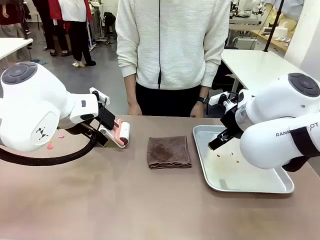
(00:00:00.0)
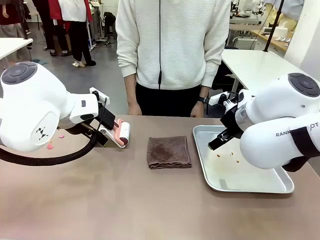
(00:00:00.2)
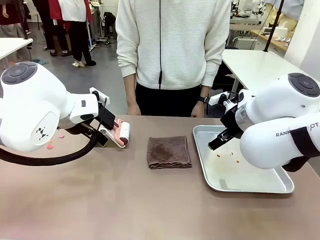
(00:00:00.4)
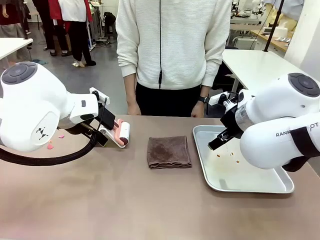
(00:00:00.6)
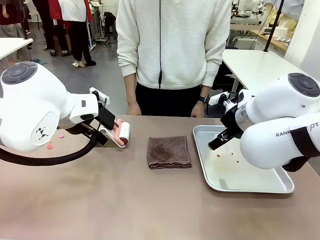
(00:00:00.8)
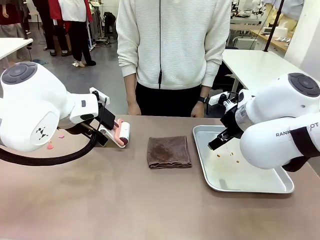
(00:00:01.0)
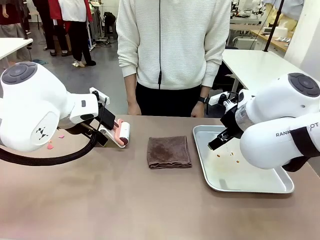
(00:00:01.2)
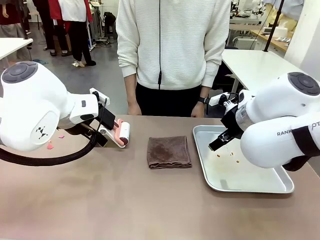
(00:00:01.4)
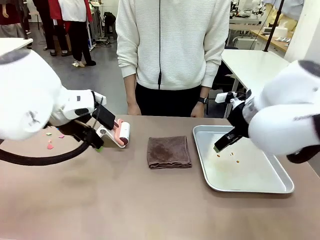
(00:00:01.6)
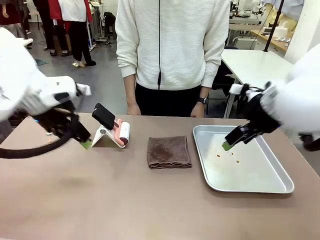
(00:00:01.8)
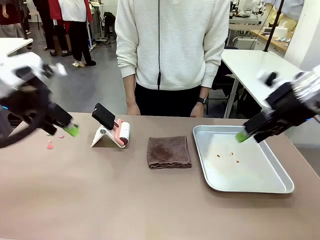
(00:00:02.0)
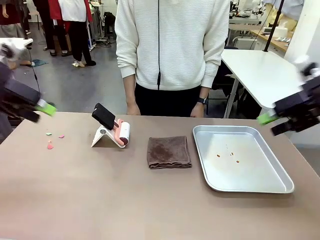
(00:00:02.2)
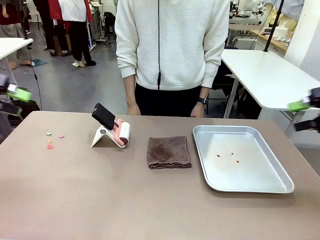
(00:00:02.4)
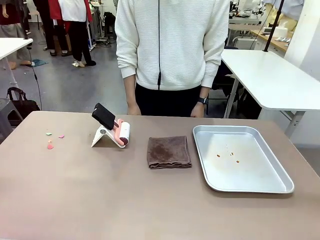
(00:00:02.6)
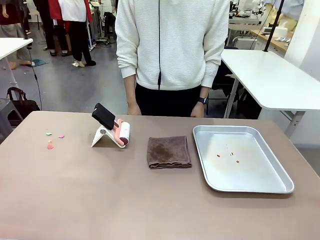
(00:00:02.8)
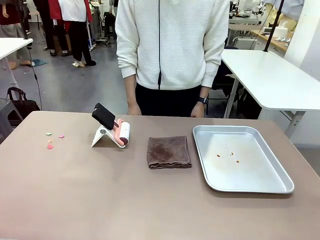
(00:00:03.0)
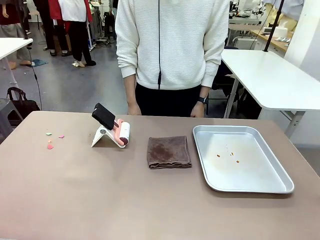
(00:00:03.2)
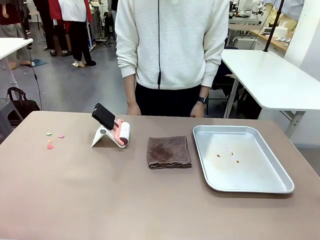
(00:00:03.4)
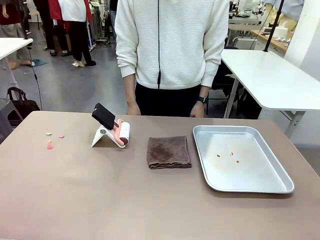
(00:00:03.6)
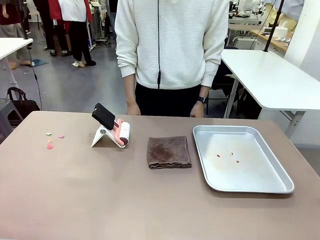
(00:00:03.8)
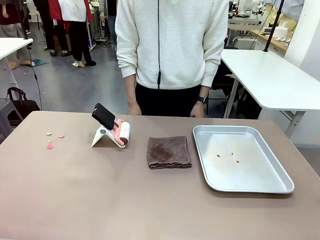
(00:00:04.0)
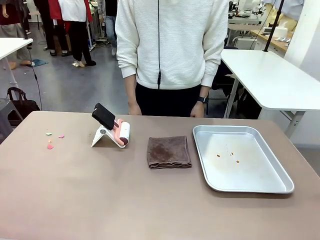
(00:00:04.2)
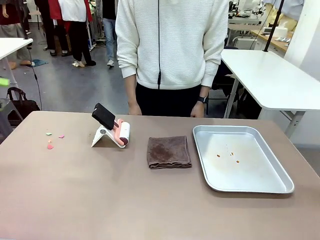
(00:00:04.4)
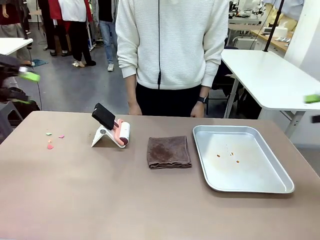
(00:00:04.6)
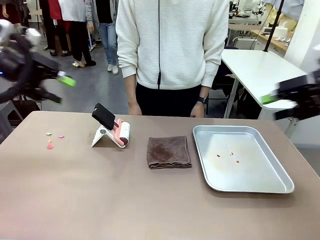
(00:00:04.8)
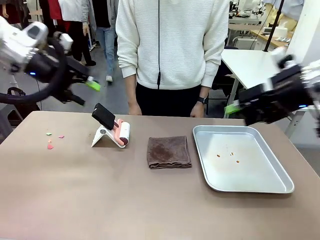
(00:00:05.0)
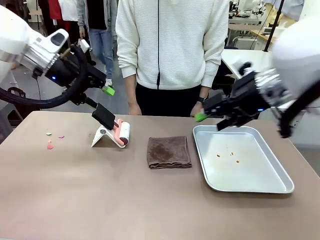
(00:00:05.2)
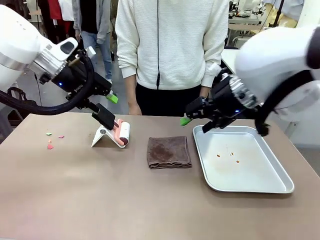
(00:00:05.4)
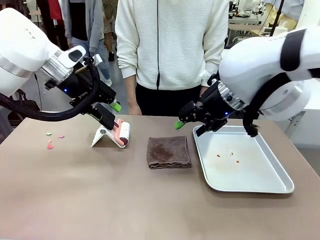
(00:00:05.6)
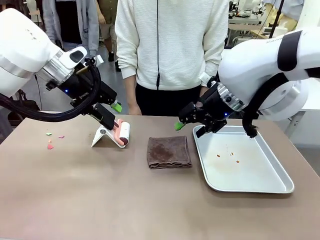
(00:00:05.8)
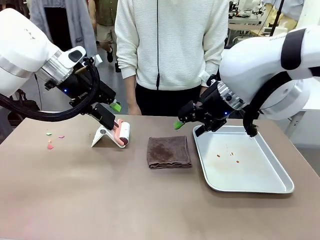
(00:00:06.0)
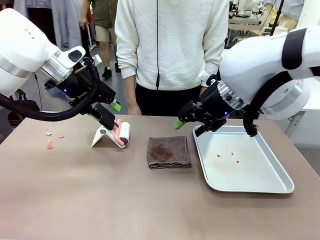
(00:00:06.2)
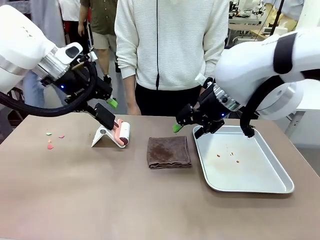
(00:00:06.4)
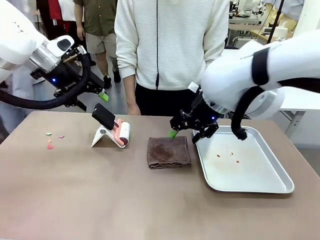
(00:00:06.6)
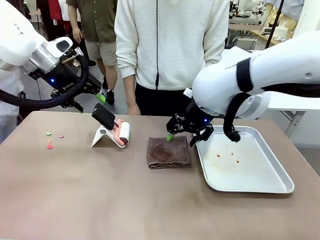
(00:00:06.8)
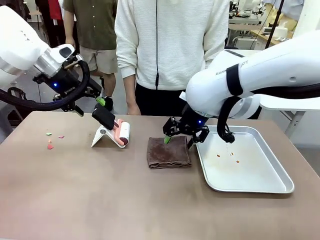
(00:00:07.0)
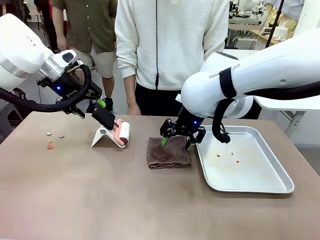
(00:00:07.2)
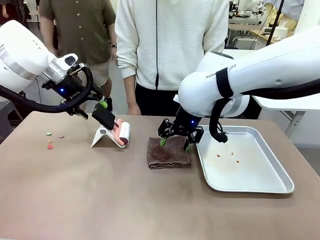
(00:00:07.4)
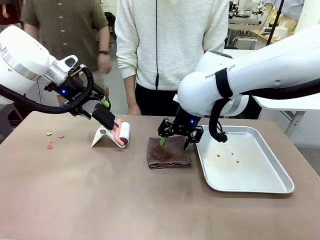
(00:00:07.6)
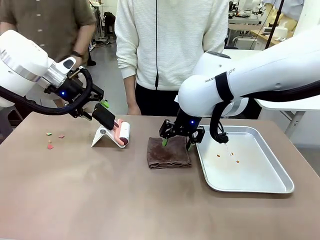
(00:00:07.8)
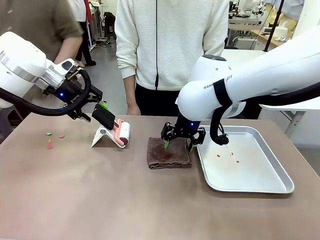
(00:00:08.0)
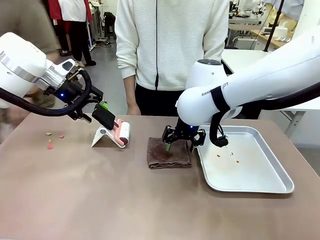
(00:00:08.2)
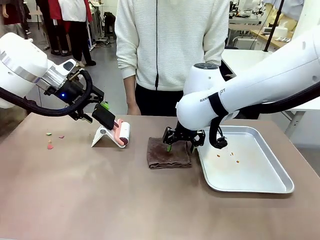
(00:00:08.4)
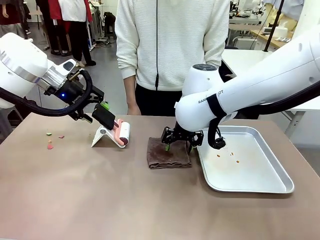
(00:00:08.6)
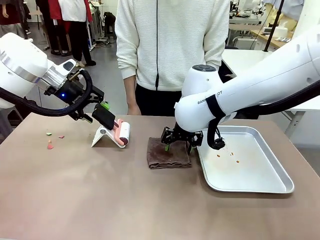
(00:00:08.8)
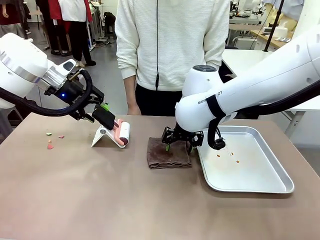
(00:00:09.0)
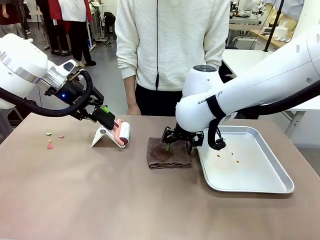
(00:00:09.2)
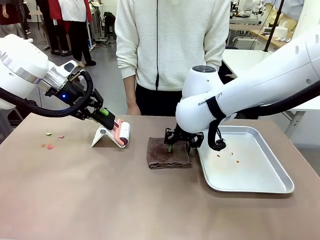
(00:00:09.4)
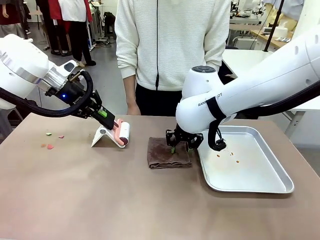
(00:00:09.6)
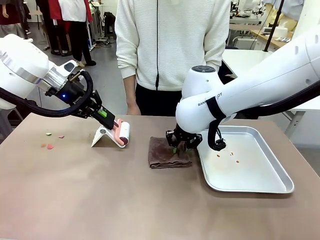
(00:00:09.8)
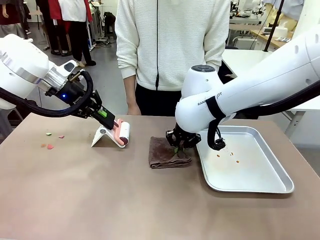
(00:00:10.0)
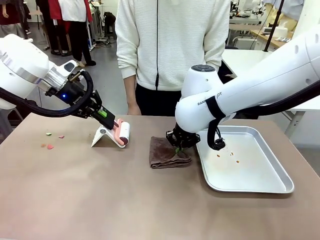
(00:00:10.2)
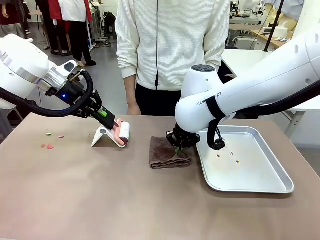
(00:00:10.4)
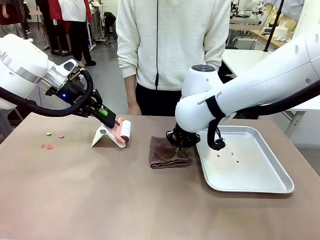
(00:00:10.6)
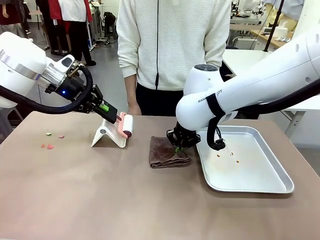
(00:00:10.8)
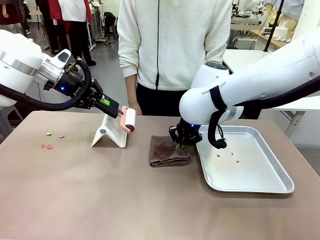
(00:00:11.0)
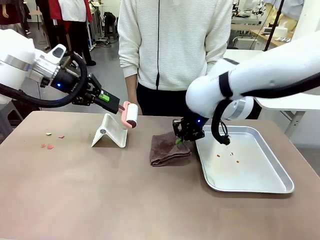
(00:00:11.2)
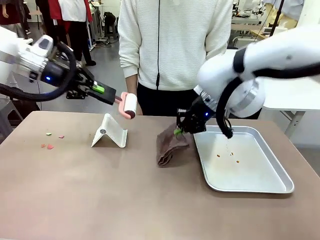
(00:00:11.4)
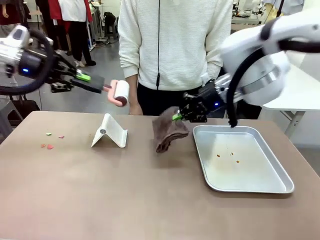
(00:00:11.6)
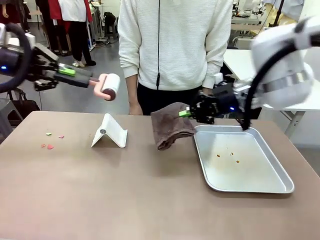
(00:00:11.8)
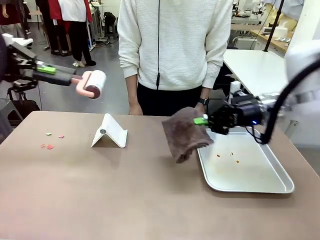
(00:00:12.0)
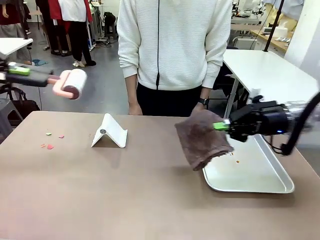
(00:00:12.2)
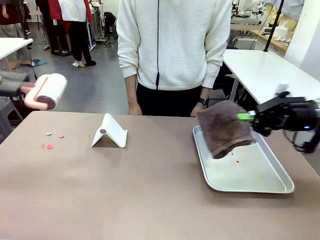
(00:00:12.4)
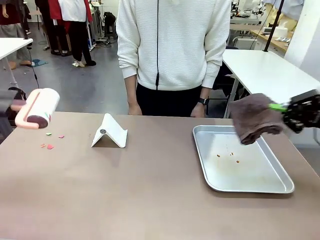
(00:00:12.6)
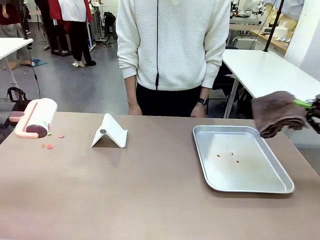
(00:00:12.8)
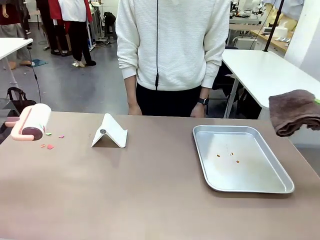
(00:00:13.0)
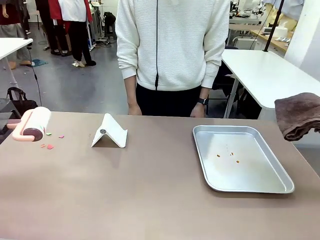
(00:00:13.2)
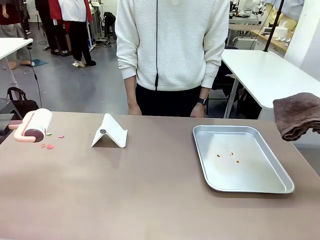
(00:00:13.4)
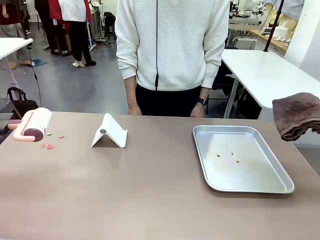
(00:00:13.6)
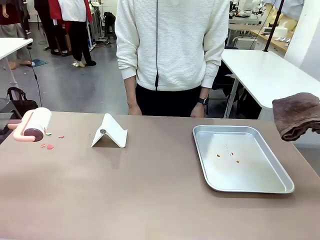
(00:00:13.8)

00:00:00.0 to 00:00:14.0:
Task: Clean the surface of the table.
Robot: Hold the Lint Roller with your left hand and the towel with your right hand.

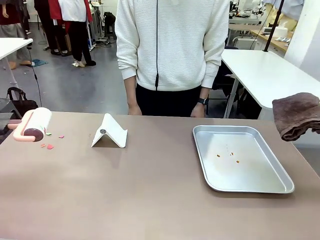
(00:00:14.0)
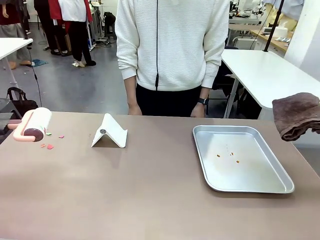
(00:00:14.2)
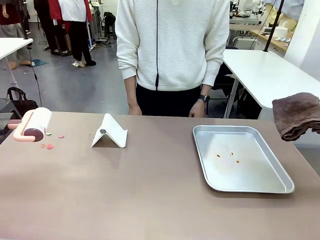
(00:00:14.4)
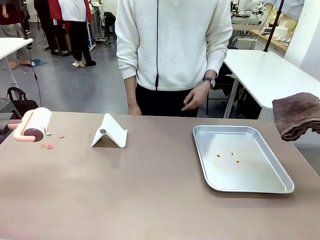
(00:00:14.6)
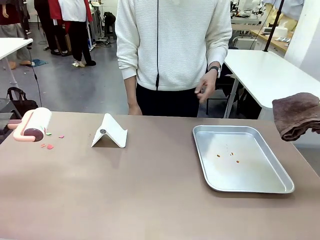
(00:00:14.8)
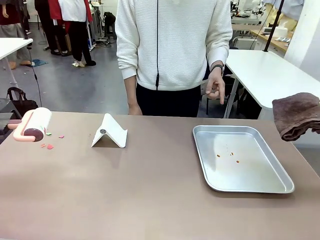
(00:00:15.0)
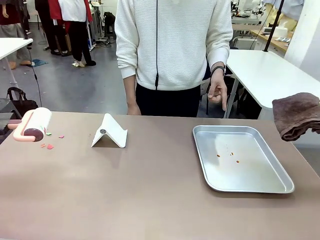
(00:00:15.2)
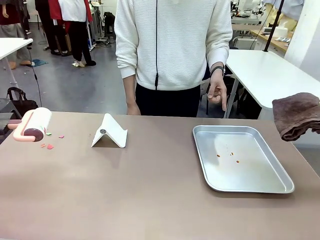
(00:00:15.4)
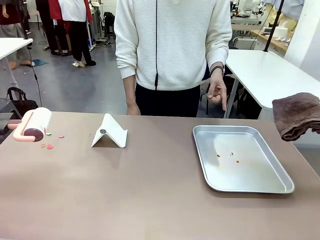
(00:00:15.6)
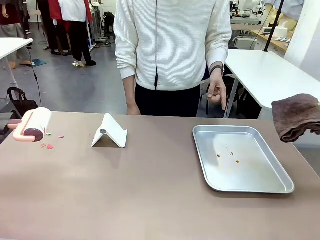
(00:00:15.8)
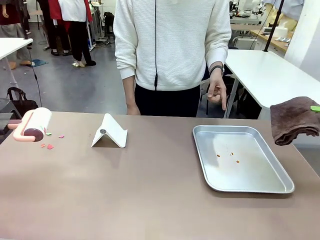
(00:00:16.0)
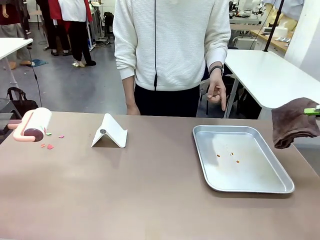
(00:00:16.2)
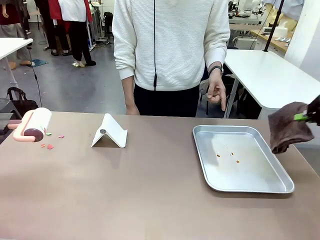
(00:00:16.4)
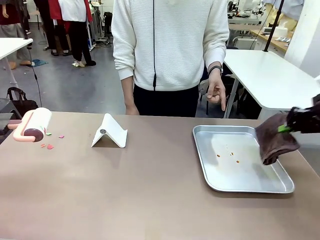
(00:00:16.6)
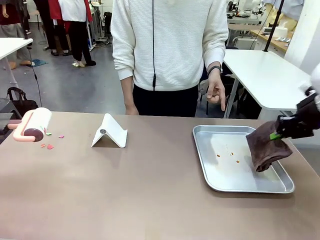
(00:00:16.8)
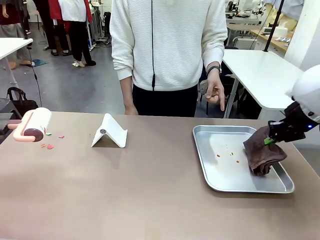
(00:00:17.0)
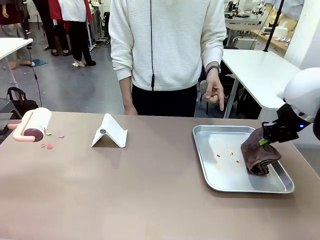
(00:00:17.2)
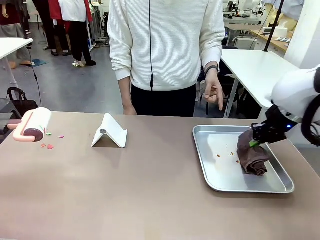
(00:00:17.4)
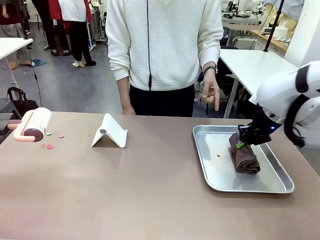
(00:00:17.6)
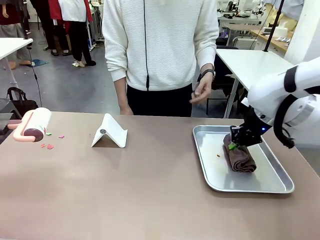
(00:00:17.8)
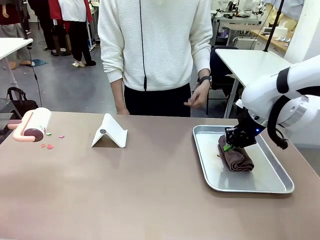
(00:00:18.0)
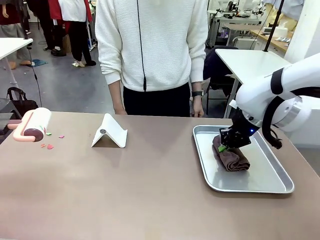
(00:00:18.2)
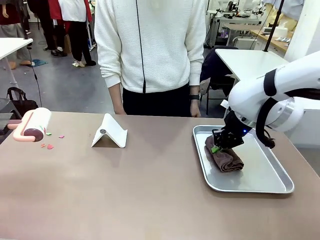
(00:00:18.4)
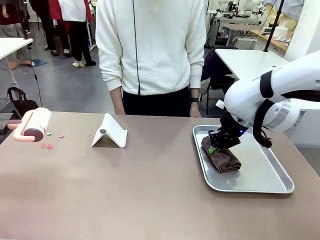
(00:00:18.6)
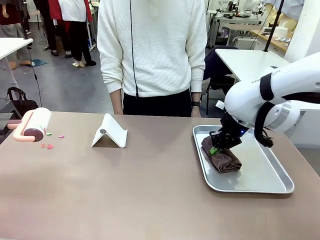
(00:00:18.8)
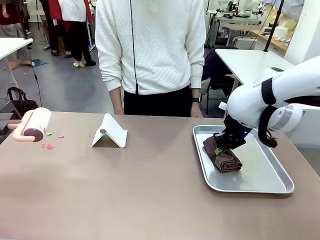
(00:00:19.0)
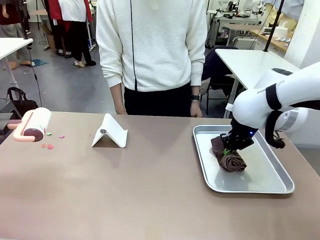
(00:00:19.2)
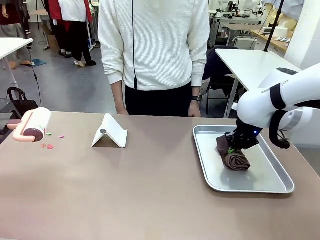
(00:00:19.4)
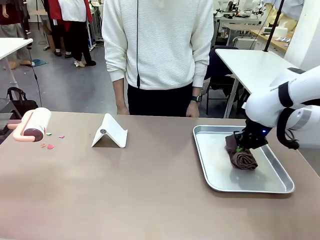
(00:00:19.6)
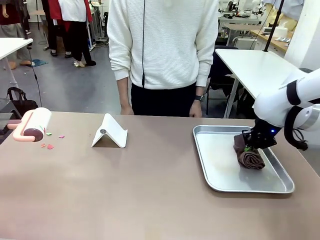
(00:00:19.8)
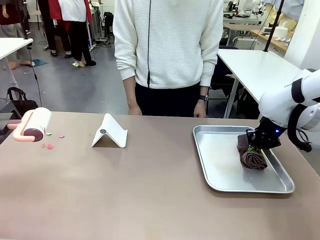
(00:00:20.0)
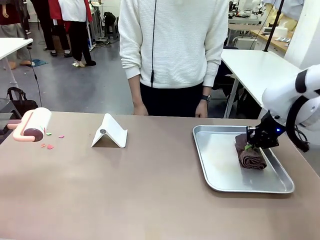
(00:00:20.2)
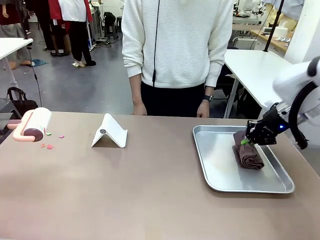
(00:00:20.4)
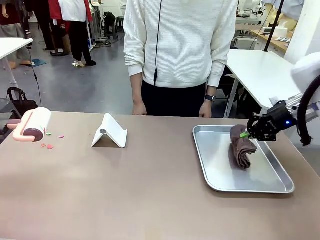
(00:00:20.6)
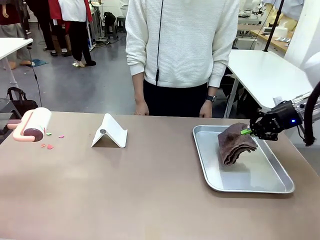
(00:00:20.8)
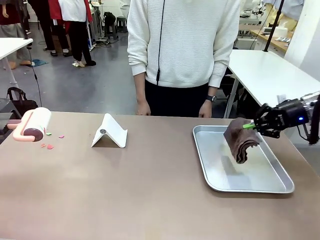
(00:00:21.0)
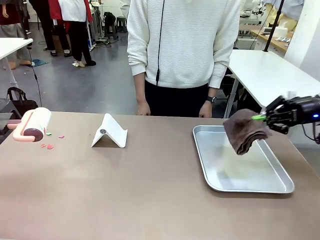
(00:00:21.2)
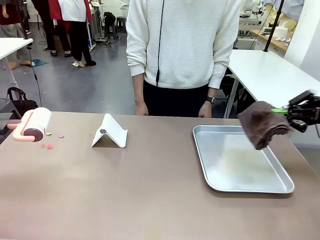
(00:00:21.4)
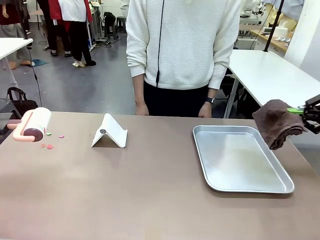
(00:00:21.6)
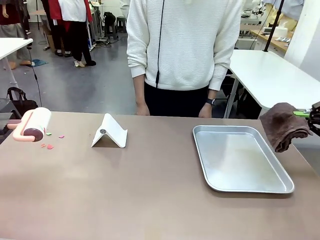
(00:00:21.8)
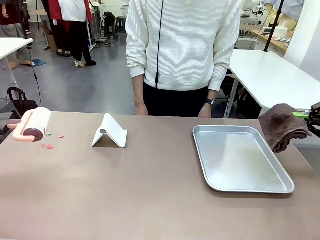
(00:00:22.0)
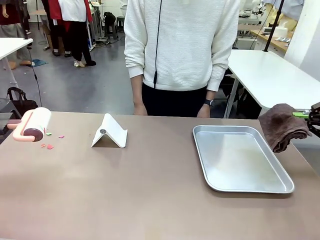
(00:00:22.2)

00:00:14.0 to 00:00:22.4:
Robot: If a person points to the right, clean the right side of the table with your right hand, and if they point to the left, clean the left side with your left hand.
